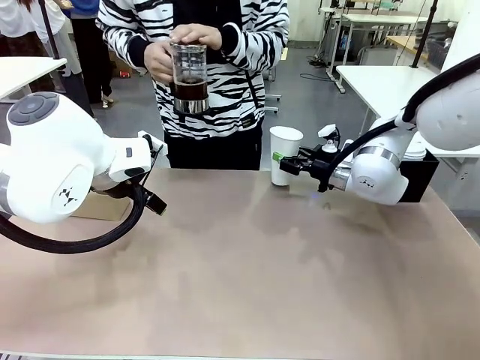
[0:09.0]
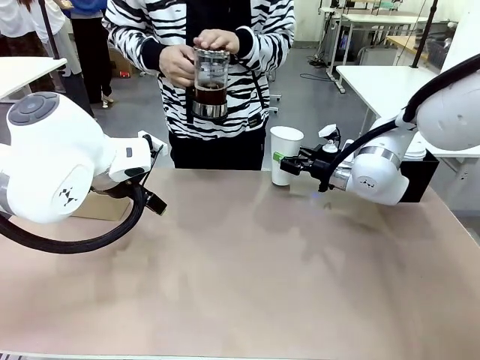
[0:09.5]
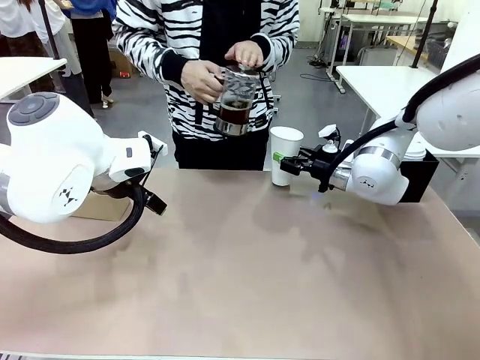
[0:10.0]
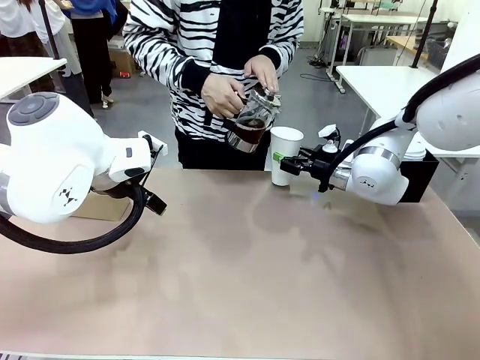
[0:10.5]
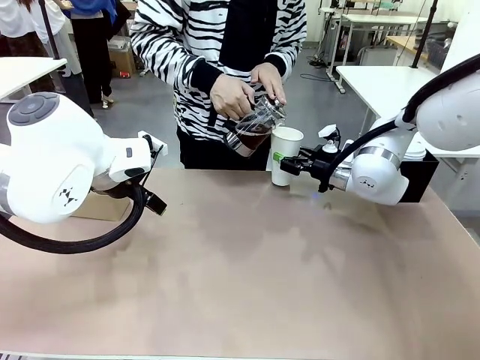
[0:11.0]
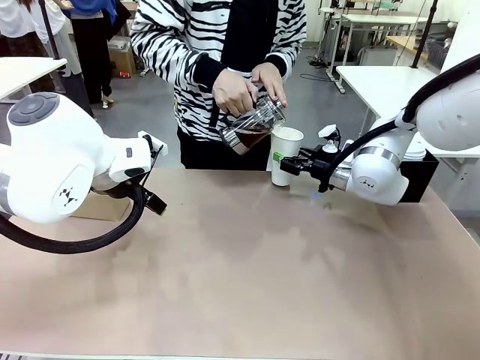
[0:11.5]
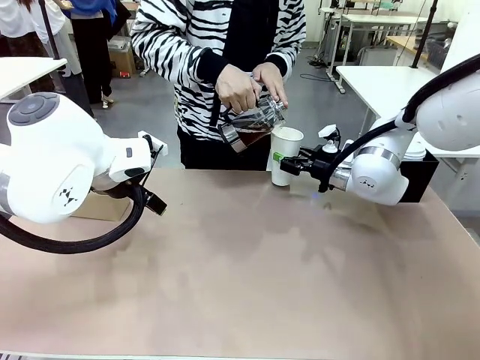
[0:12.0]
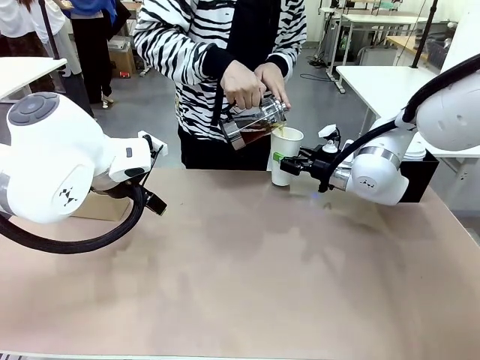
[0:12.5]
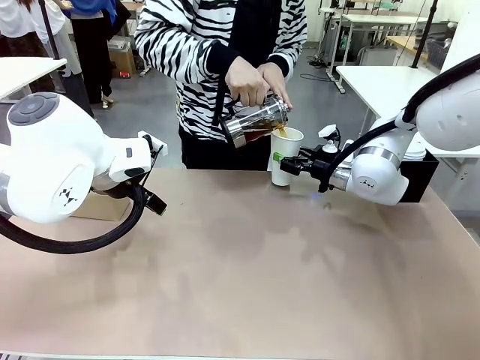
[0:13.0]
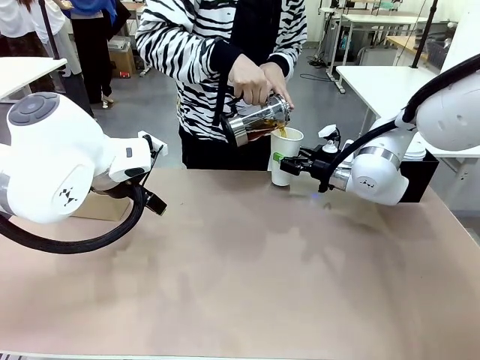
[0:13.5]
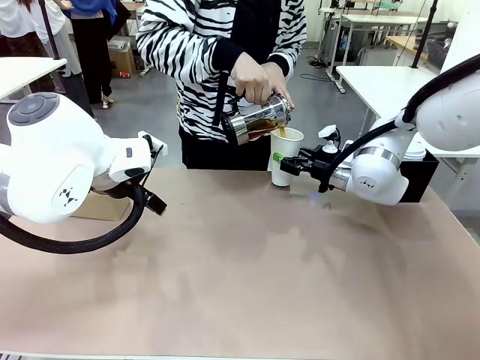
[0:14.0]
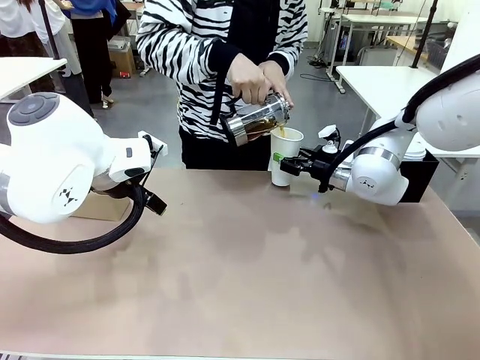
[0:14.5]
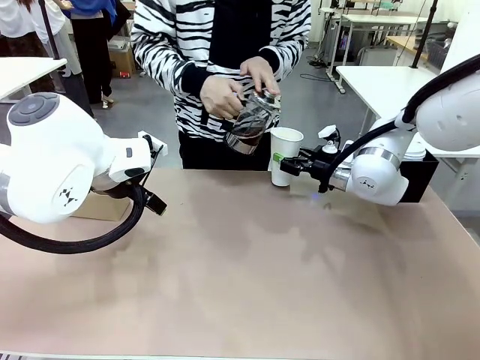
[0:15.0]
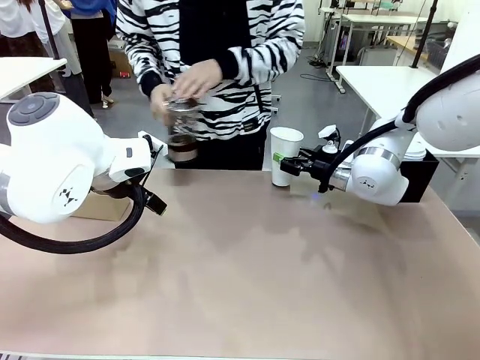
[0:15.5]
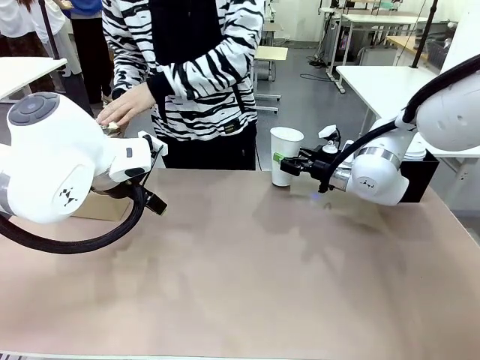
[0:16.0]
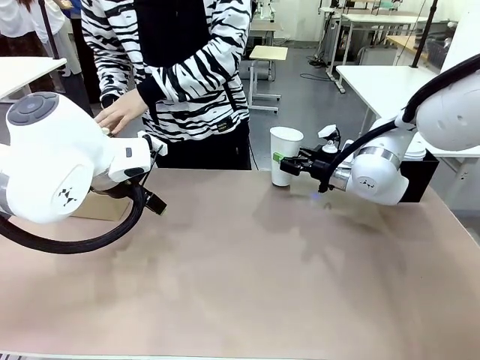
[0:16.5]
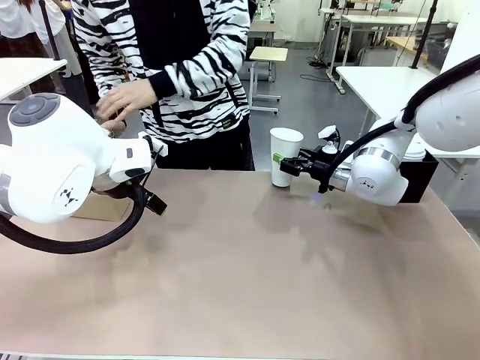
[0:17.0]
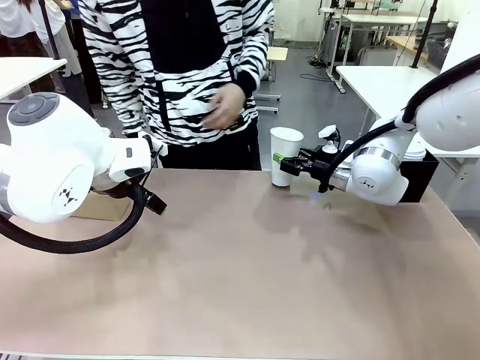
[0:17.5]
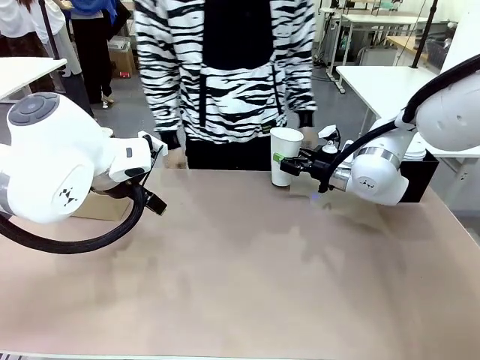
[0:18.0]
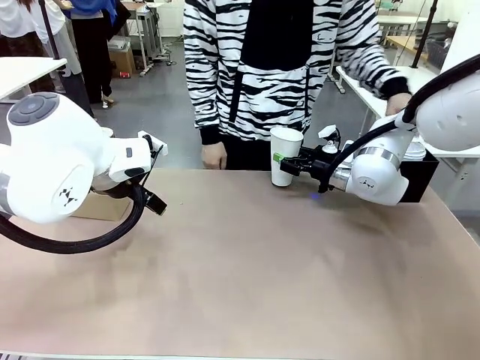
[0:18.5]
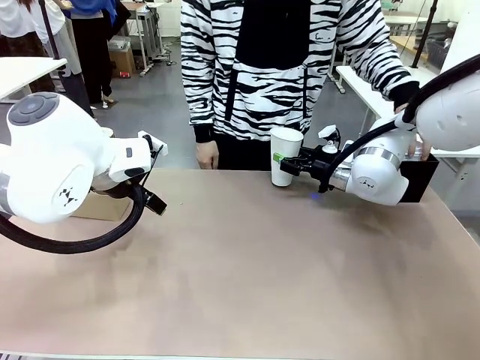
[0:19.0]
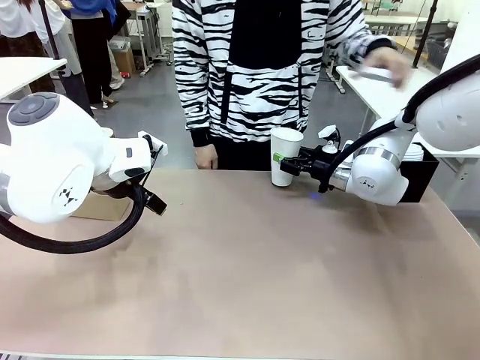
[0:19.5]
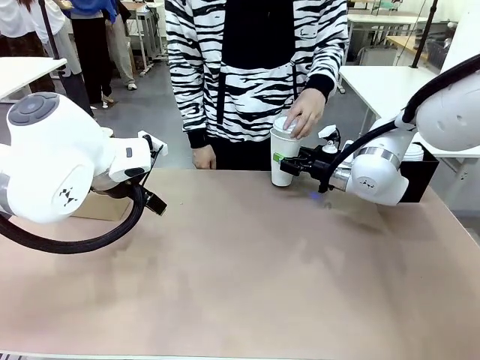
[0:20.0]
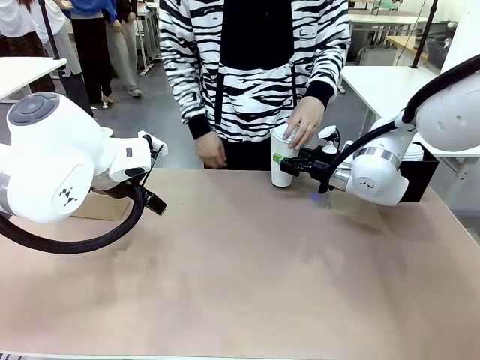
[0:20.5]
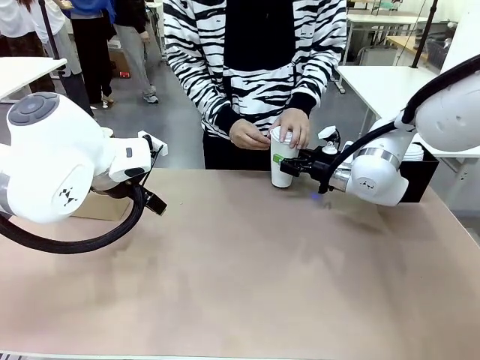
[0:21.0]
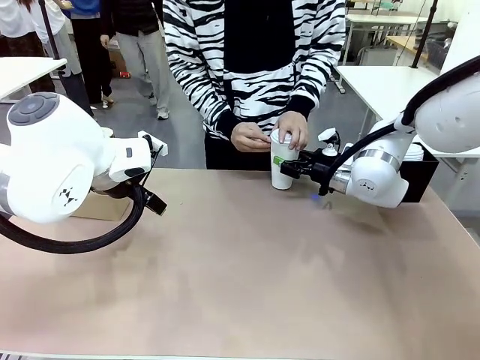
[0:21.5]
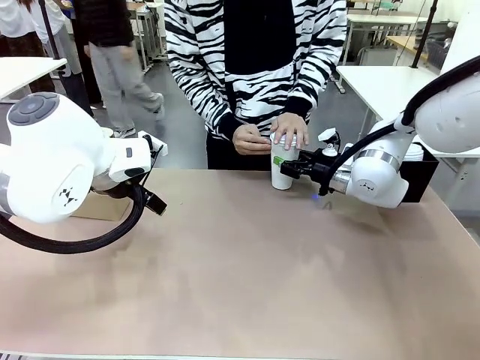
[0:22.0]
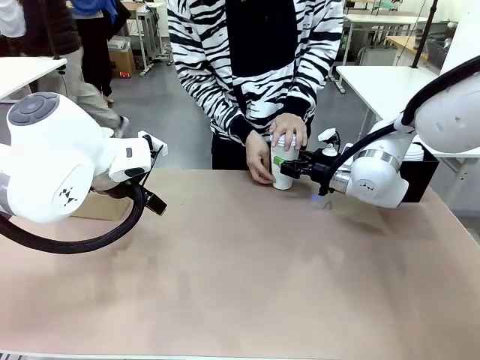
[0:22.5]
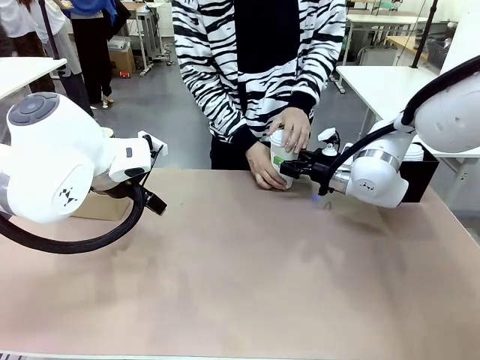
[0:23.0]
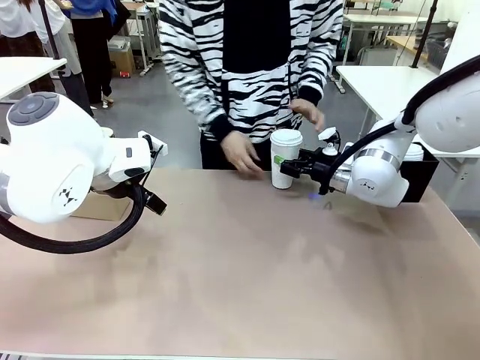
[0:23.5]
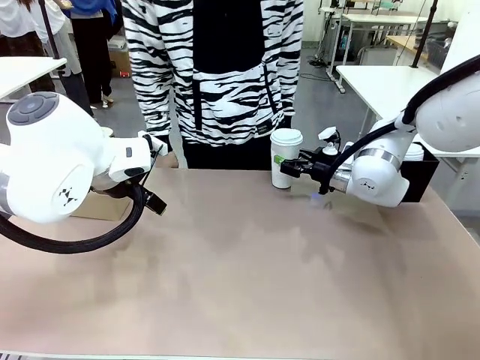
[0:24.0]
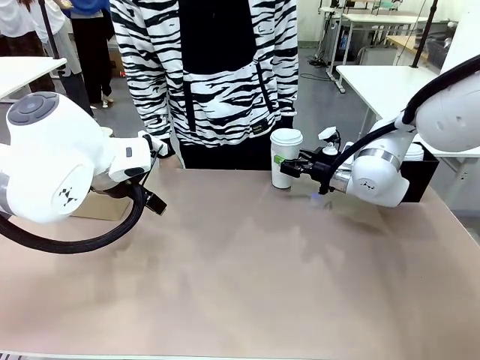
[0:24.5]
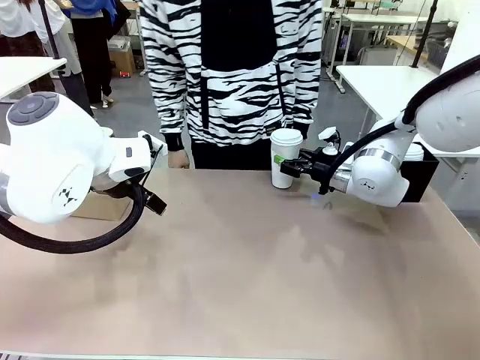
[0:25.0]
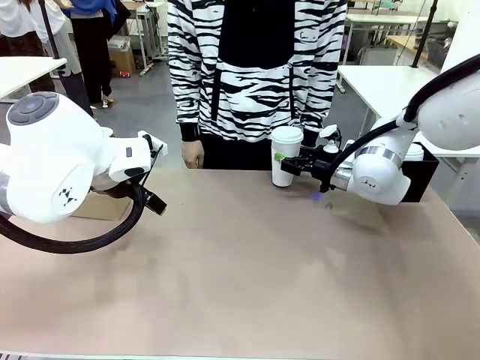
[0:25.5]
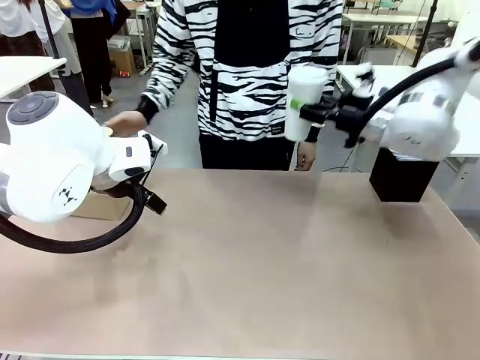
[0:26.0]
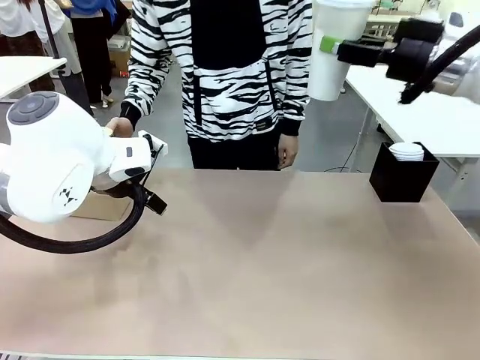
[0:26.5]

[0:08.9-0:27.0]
Task: Pour a drink into a cup and package it in a carrier.
Robot: When a person places the Paper Cup Lid on the 600 ml Paper Cup , lift the 600 ml Paper Cup.
Person: Pour the drink from the Filter Brewing into the 600 ml Paper Cup. Place a Paper Cup Lid on the 600 ml Paper Cup.

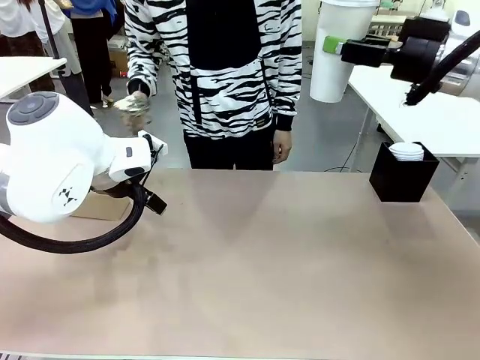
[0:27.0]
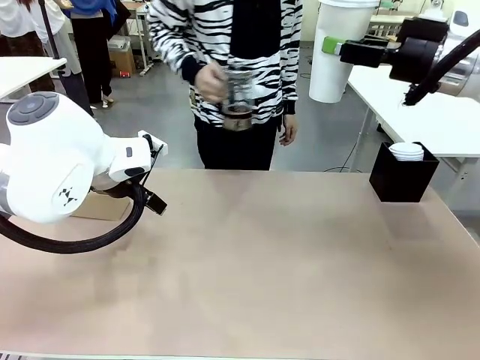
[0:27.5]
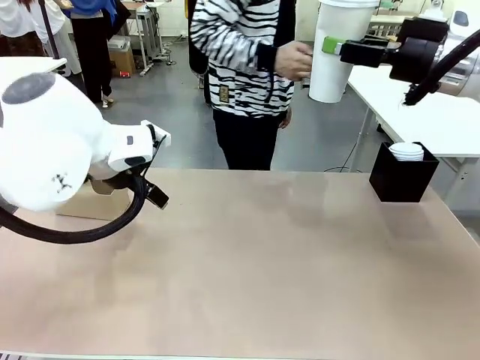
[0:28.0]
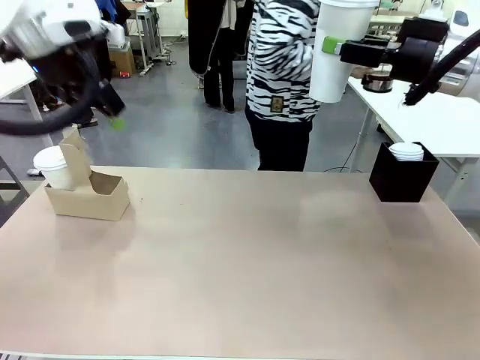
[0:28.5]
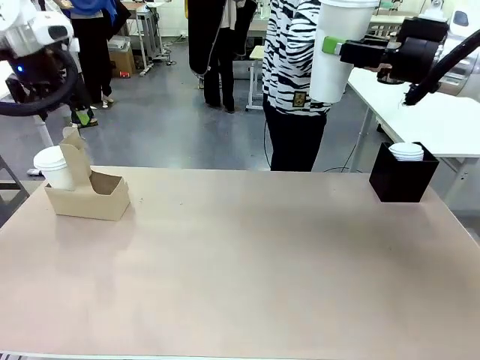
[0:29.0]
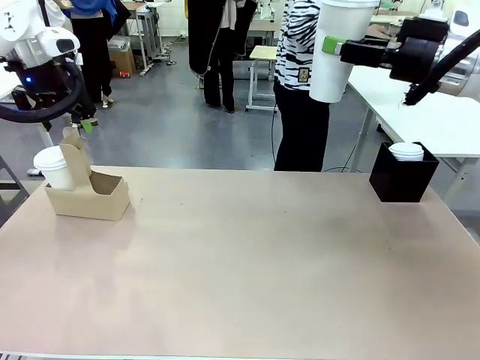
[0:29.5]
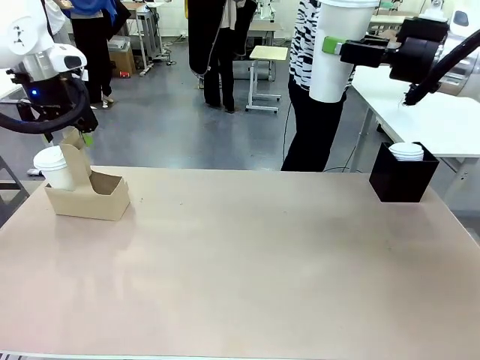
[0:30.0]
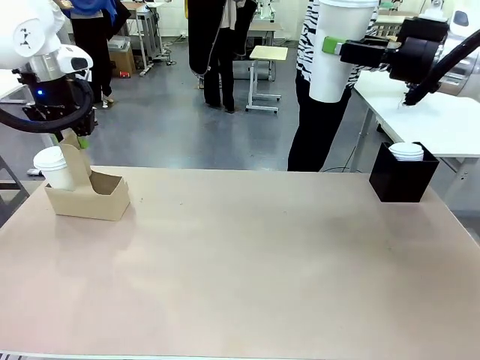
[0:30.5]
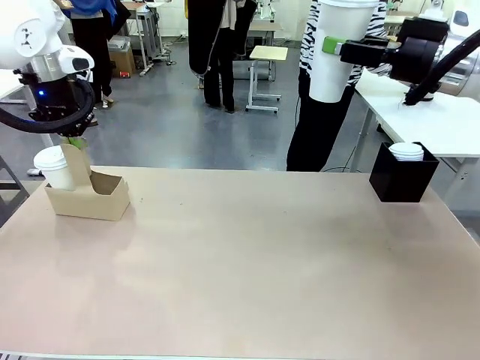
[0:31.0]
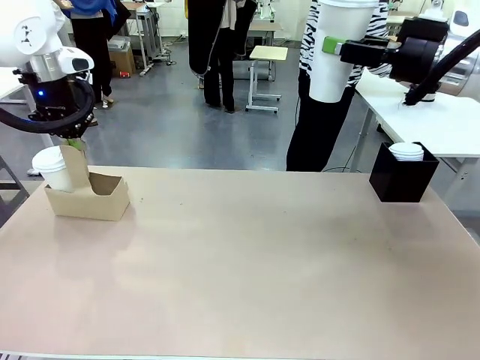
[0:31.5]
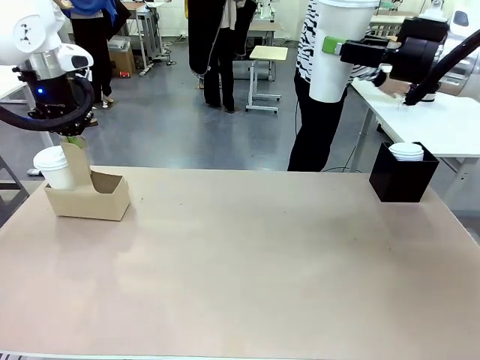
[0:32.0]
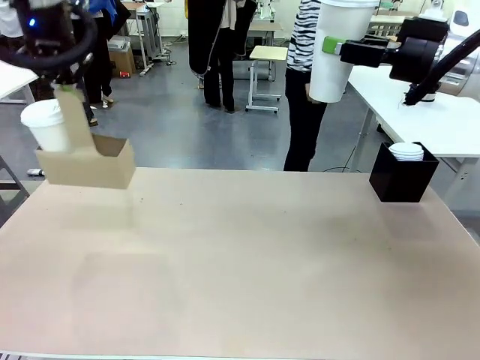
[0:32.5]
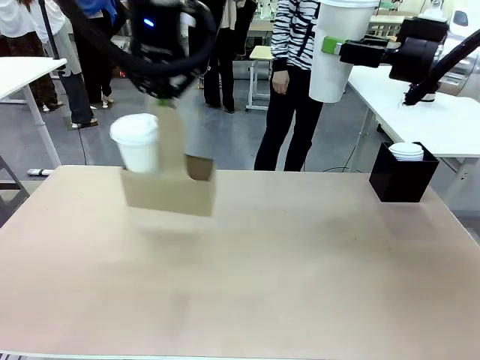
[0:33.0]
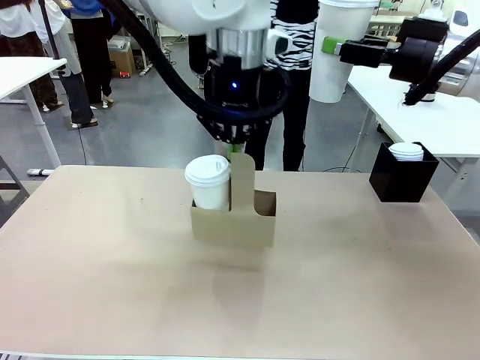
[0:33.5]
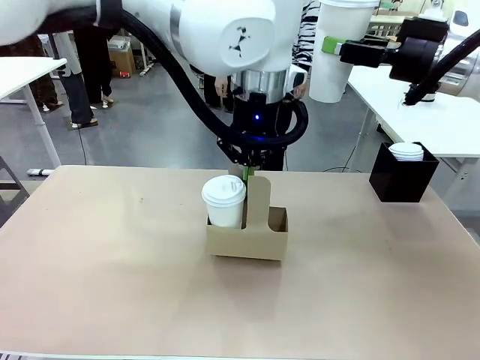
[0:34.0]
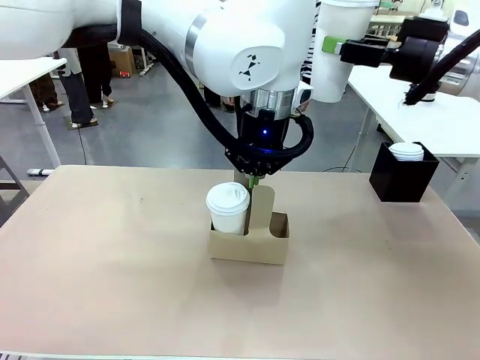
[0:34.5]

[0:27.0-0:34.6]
Robot: Position the Cup Carrier in the center of the table.
Person: Pick up the Filter Brewing and place on the middle of Human table, and return to the Robot table.
